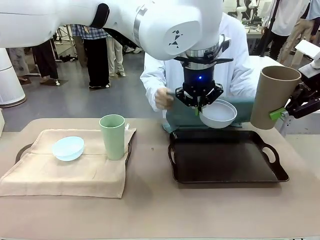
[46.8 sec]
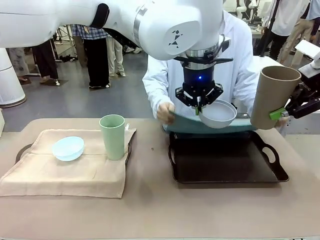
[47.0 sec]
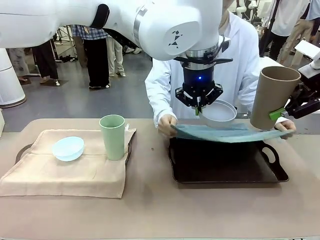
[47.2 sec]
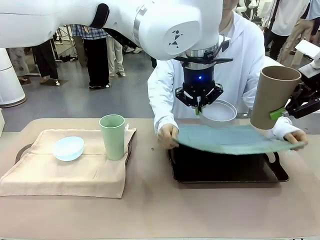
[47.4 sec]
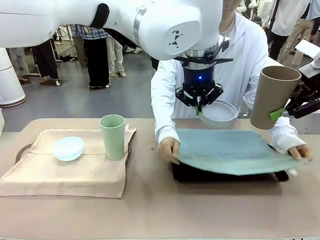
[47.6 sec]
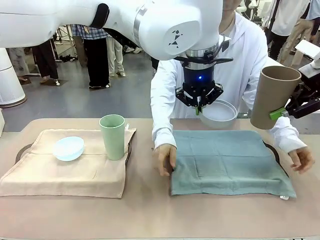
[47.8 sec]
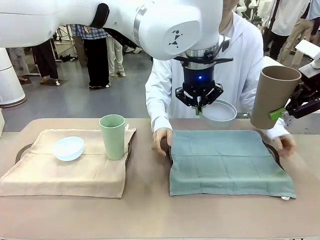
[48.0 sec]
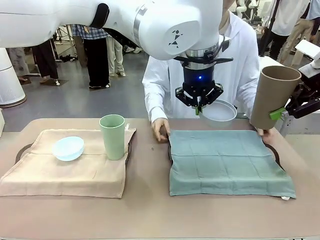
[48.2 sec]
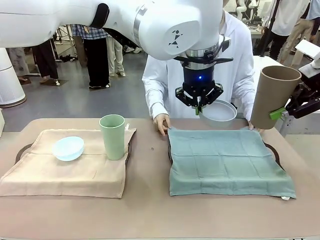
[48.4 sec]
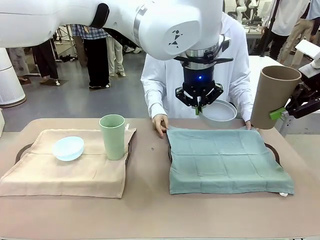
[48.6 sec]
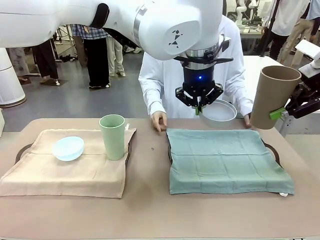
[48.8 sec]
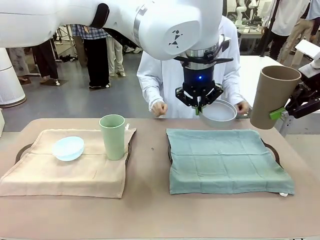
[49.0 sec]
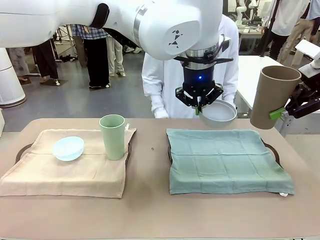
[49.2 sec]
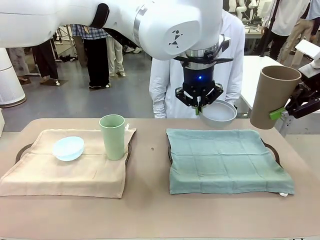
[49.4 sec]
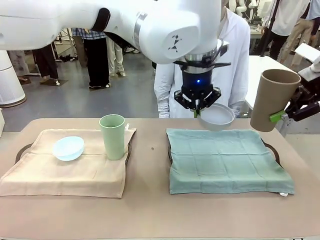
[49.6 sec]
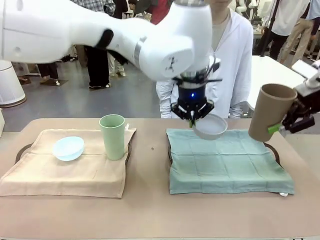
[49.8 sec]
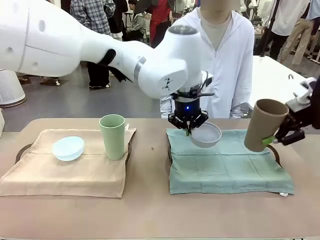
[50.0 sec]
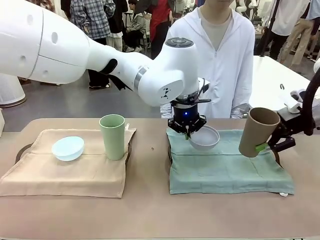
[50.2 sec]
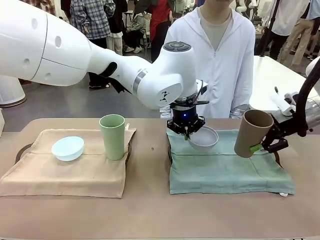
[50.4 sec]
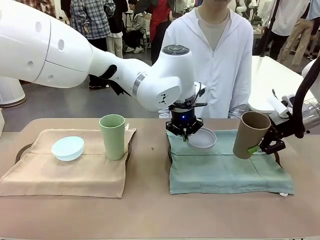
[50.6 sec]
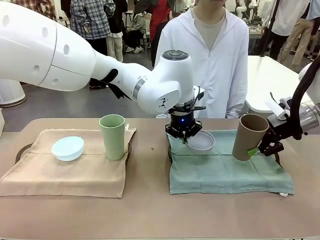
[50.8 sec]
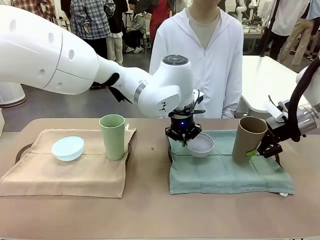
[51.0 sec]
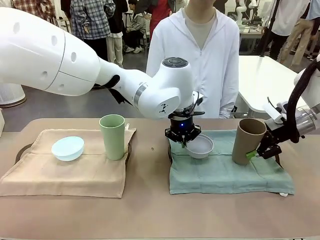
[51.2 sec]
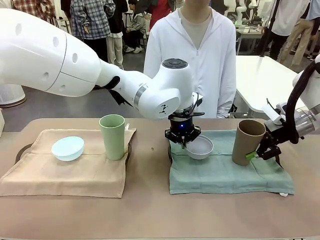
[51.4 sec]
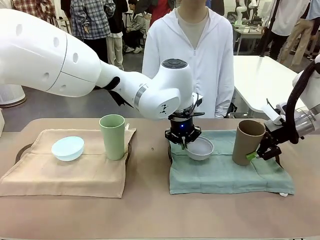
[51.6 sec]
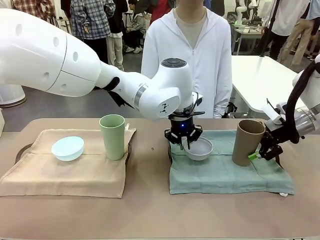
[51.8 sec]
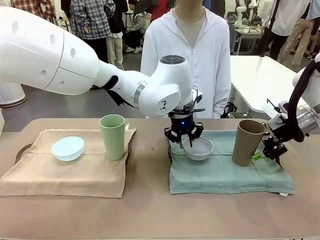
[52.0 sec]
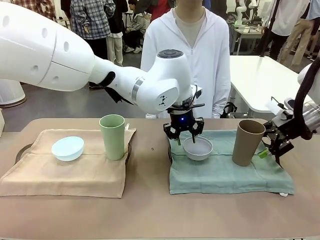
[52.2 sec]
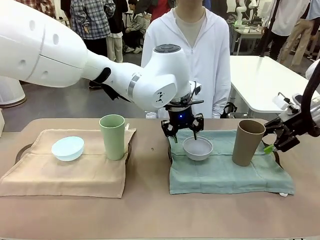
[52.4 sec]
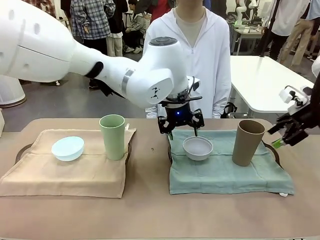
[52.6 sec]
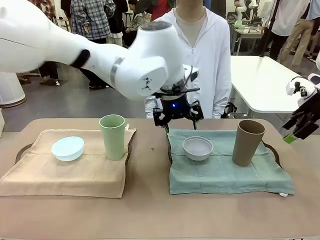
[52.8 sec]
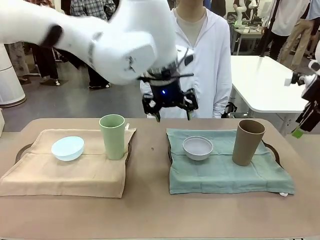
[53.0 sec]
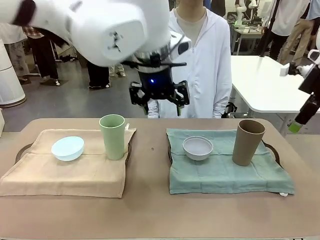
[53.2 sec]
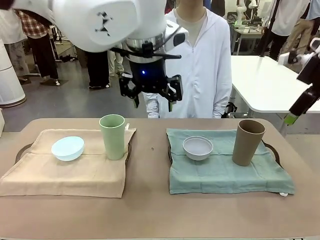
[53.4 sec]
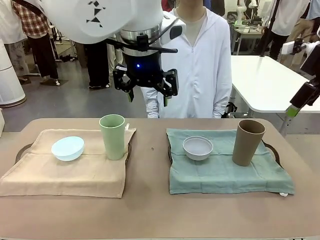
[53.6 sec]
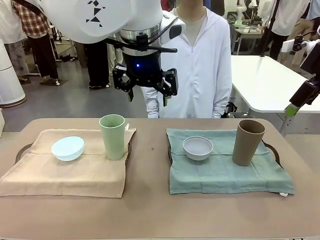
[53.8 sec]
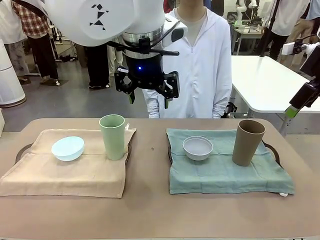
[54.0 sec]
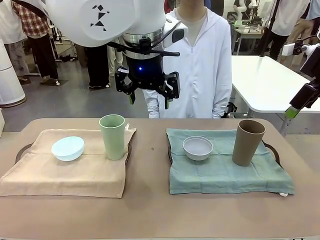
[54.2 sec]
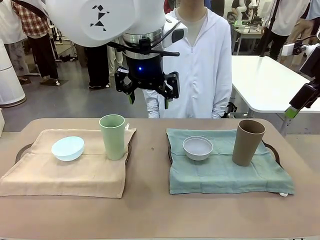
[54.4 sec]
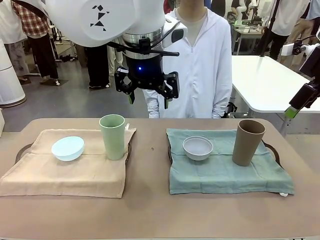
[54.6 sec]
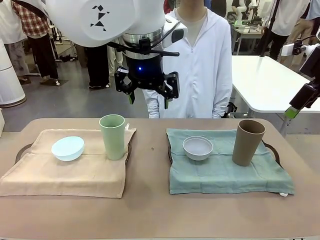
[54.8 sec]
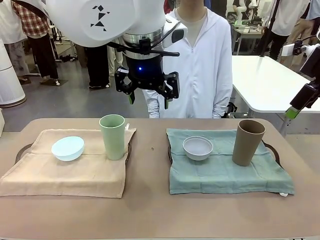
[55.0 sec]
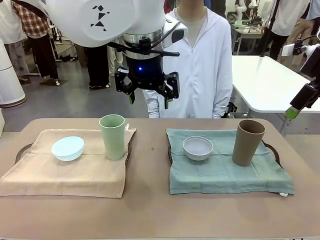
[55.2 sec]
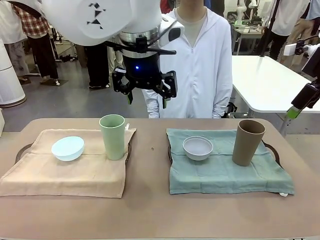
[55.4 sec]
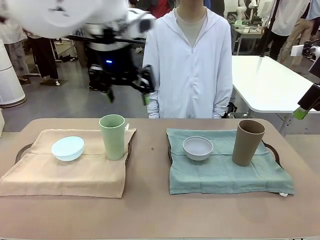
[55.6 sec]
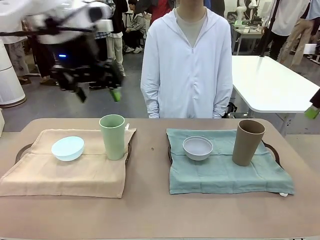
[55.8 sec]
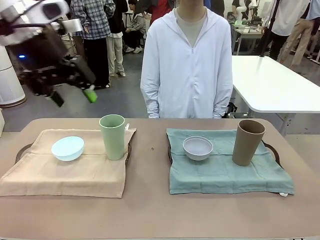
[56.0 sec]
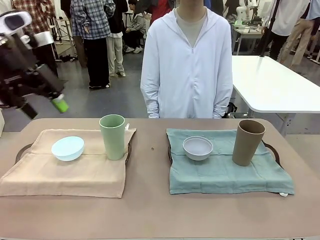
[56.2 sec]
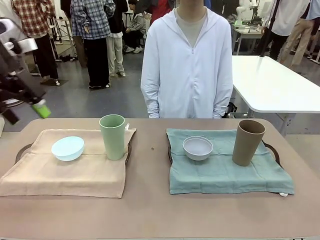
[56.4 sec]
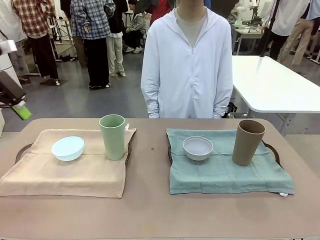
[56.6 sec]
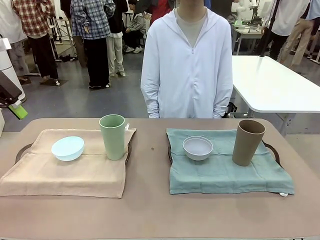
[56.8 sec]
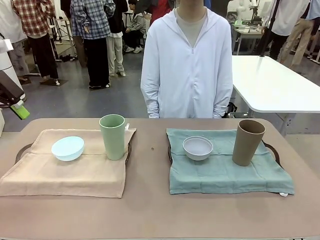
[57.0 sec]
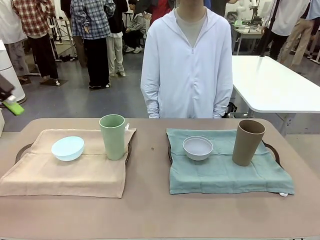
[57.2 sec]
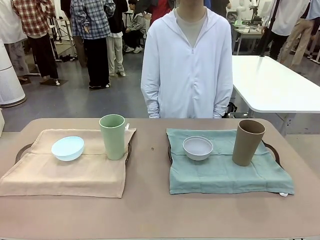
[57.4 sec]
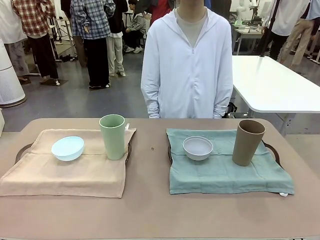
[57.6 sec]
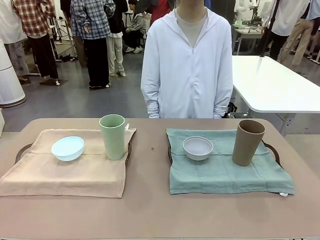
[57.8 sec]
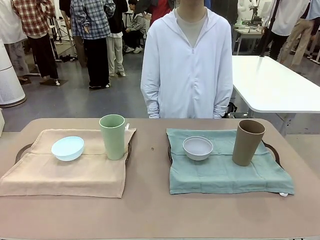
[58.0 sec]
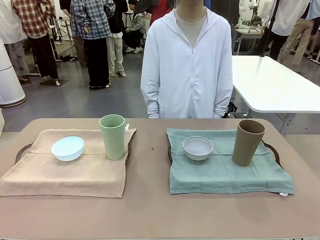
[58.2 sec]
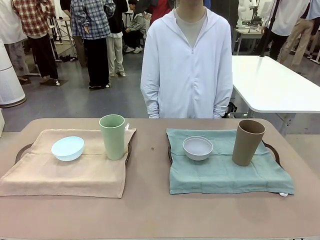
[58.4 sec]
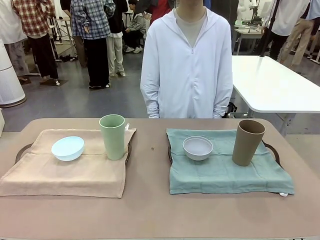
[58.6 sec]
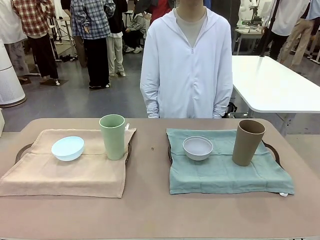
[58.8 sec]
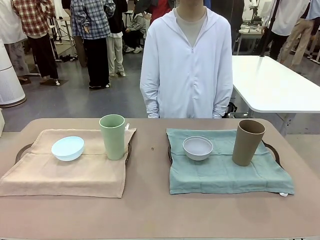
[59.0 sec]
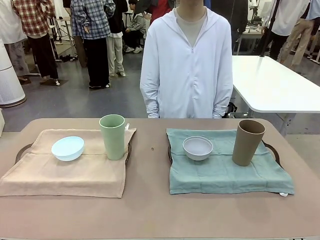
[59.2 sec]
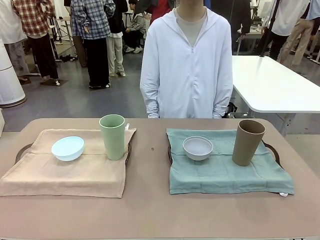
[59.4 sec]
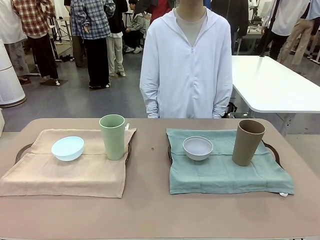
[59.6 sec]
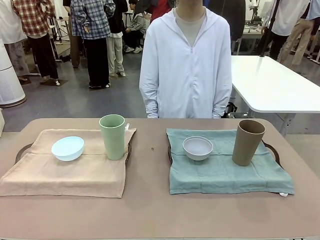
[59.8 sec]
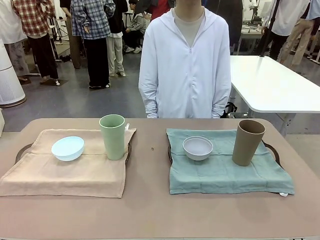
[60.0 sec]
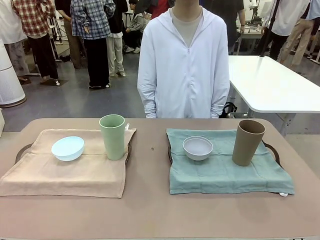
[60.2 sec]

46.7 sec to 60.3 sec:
Robot: Place the Picnic Bowl and Reusable plastic cup back onto the Handle tray in front of the human's position.
Person: When the robot lifts the bowl and the cup, the human unfolds the napkin and lays the napkin flat on the tray.

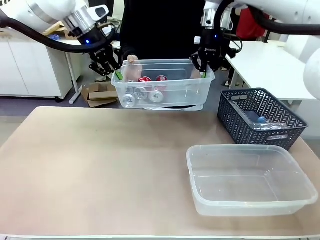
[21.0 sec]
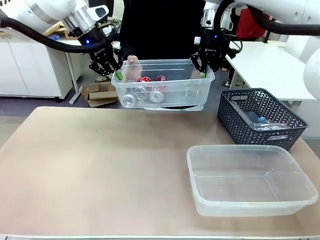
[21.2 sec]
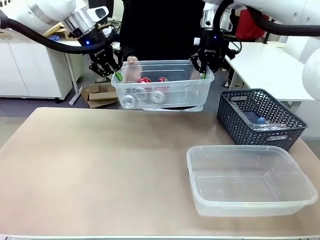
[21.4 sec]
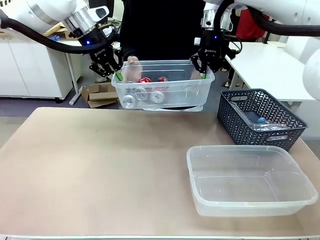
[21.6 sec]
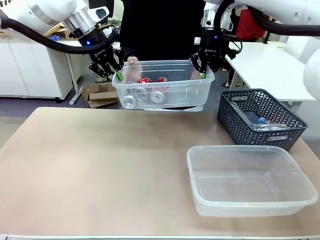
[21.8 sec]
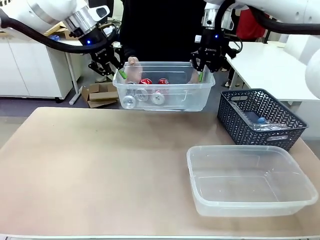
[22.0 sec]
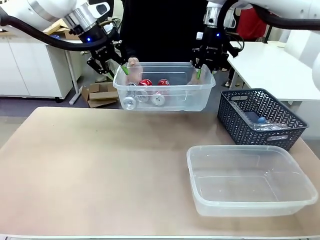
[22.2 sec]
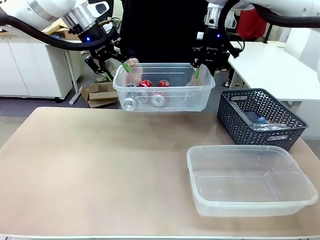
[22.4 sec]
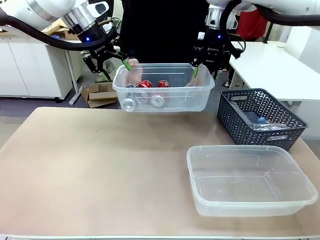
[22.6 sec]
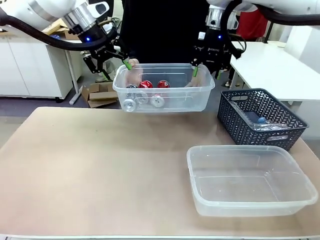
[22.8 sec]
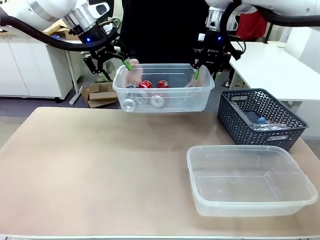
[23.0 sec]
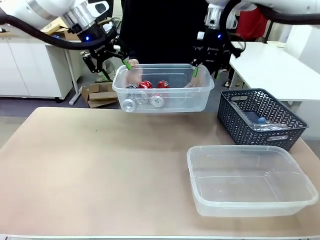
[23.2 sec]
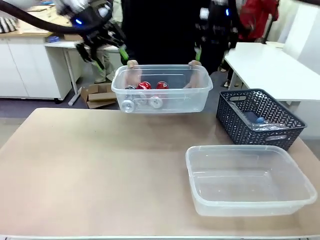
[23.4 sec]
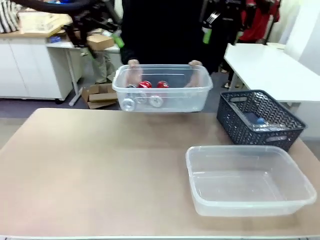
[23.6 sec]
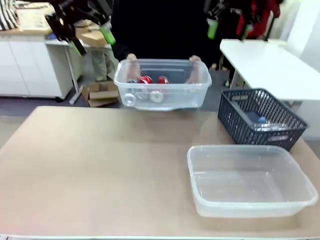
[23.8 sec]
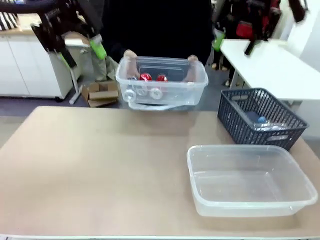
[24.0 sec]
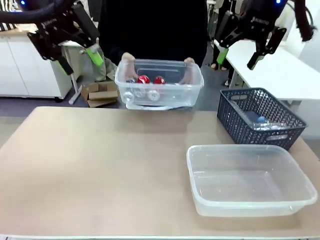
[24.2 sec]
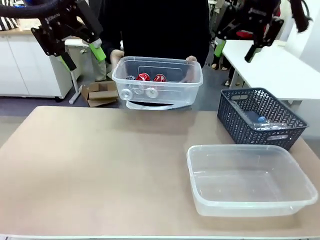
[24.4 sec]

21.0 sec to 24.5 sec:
Robot: Release the Organizing box you were holding.
Person: Pick up the organizing box extended by the robot.
